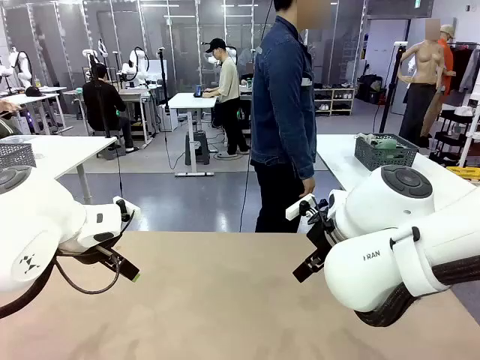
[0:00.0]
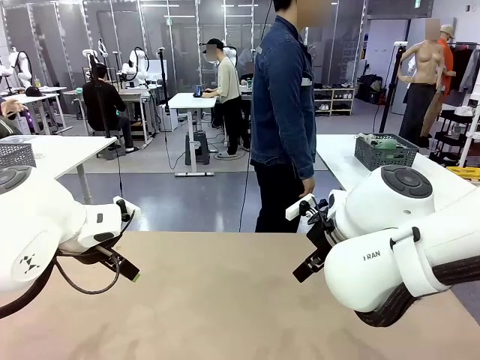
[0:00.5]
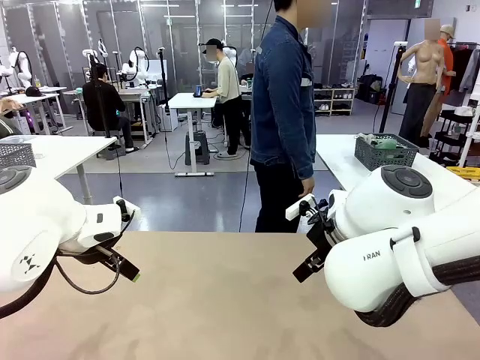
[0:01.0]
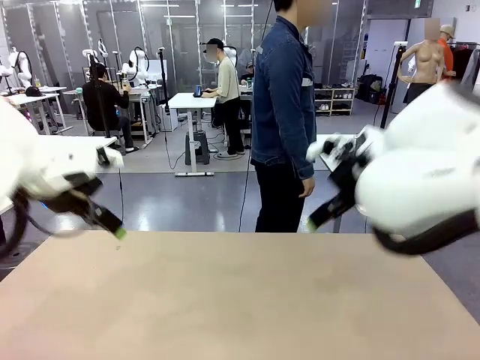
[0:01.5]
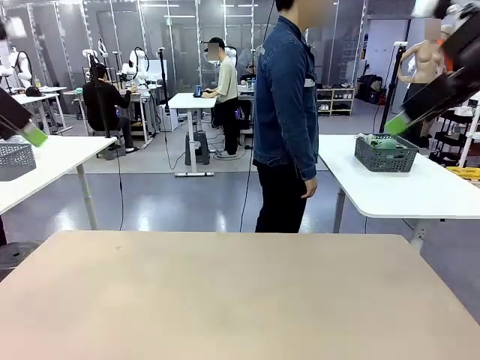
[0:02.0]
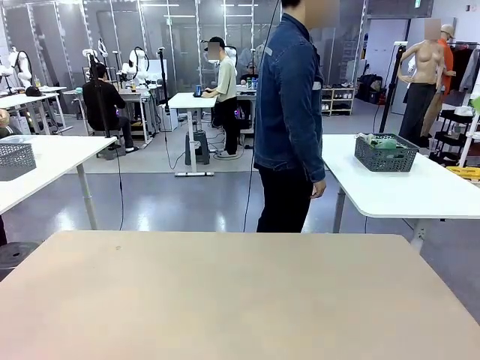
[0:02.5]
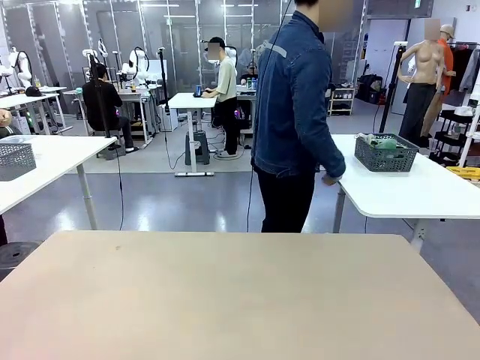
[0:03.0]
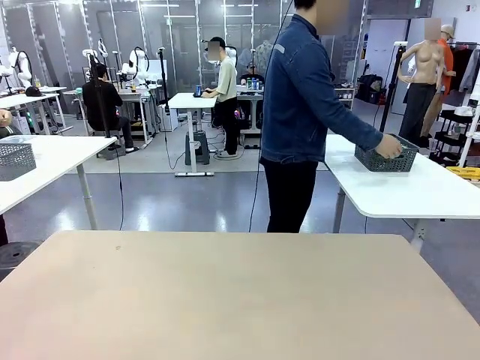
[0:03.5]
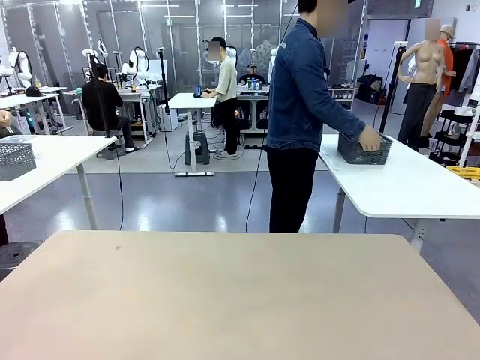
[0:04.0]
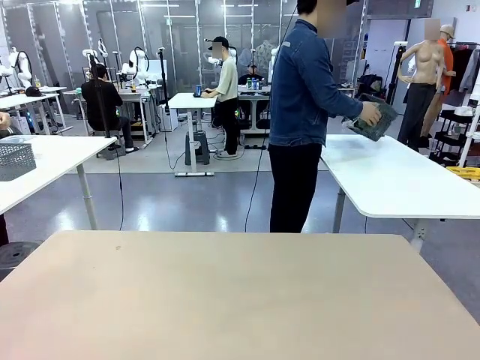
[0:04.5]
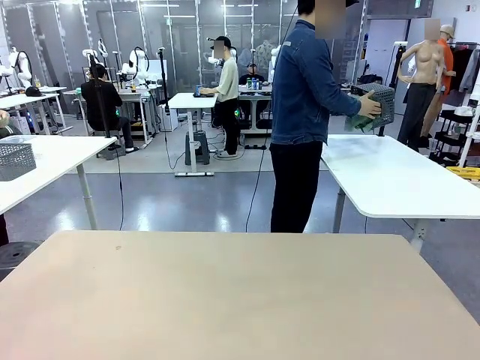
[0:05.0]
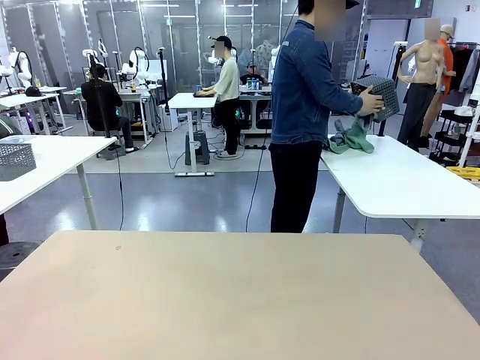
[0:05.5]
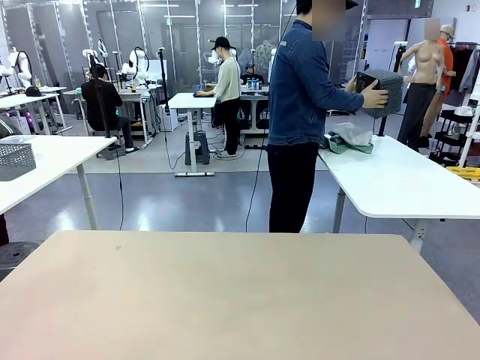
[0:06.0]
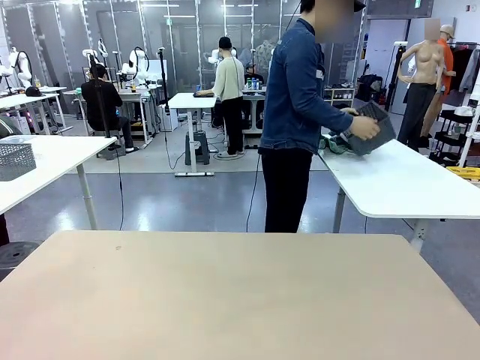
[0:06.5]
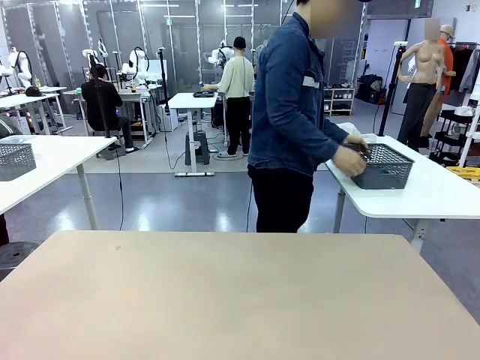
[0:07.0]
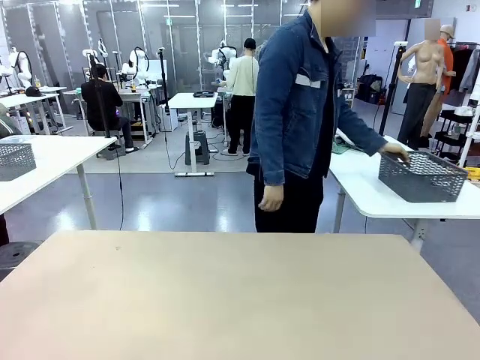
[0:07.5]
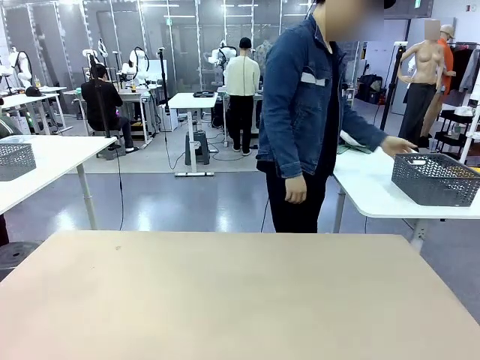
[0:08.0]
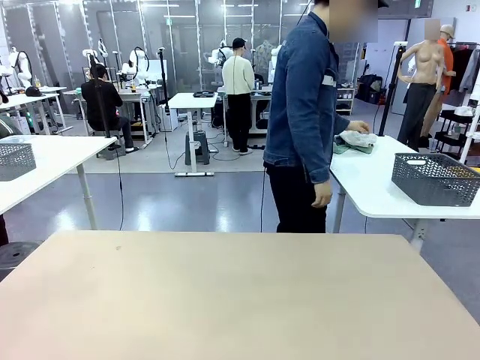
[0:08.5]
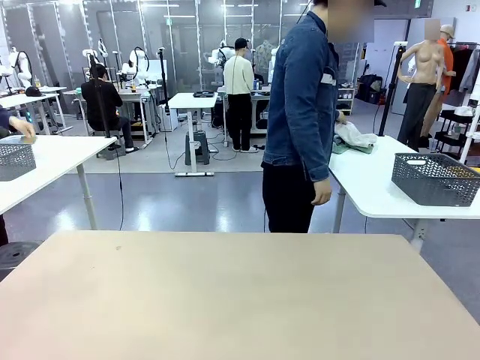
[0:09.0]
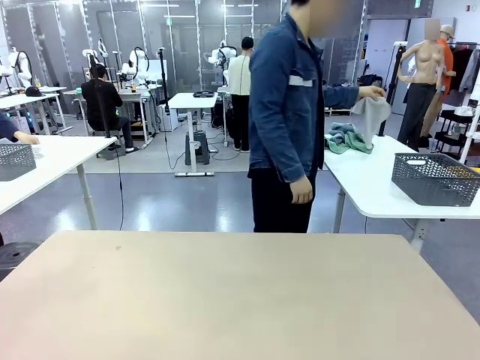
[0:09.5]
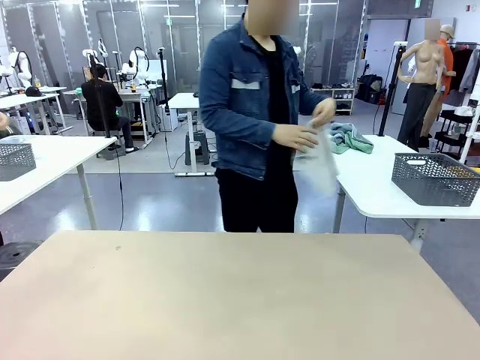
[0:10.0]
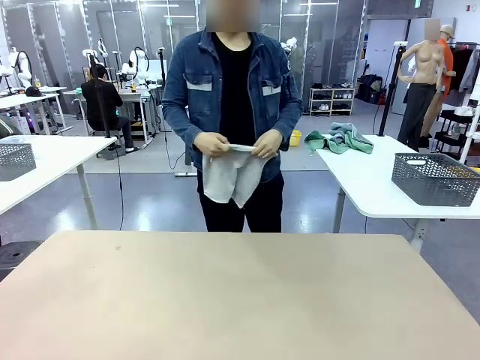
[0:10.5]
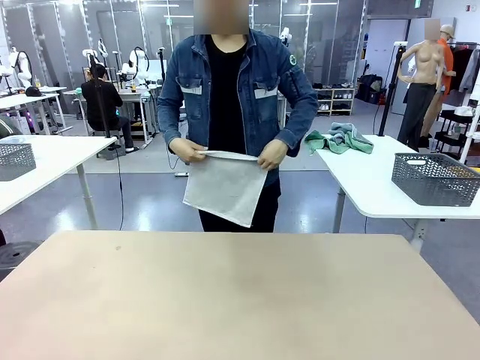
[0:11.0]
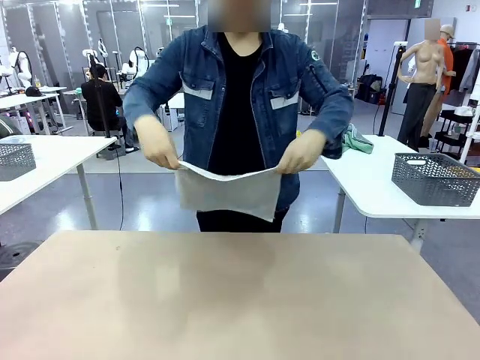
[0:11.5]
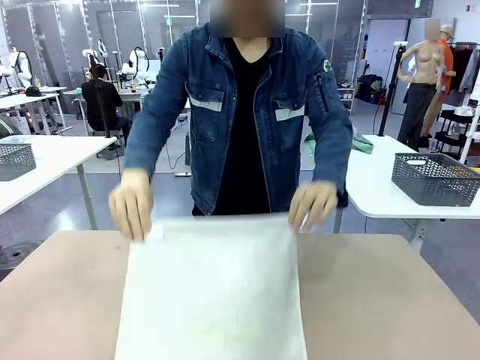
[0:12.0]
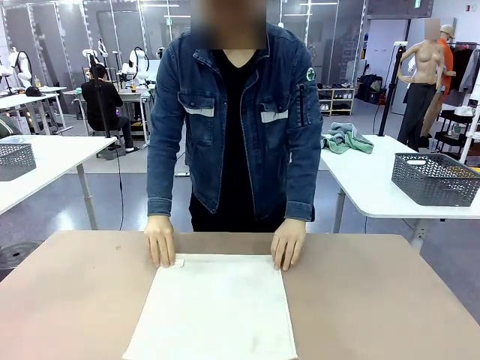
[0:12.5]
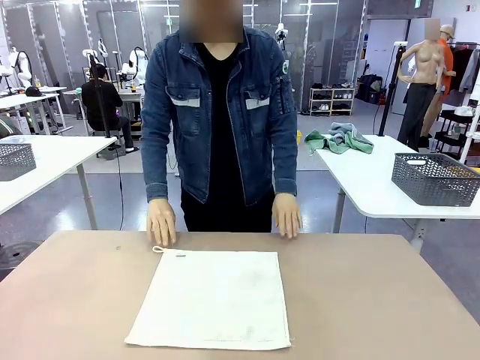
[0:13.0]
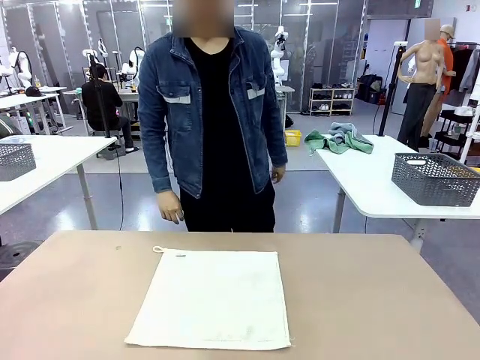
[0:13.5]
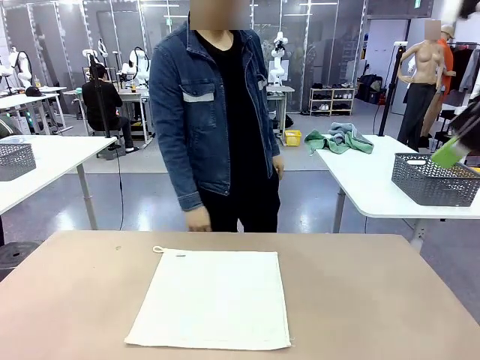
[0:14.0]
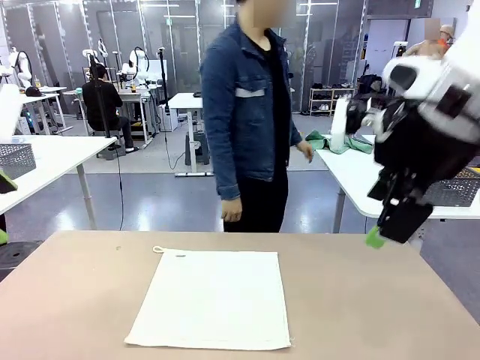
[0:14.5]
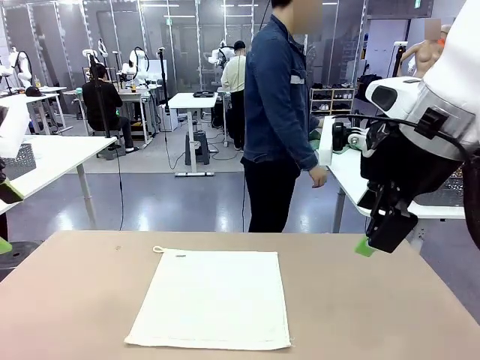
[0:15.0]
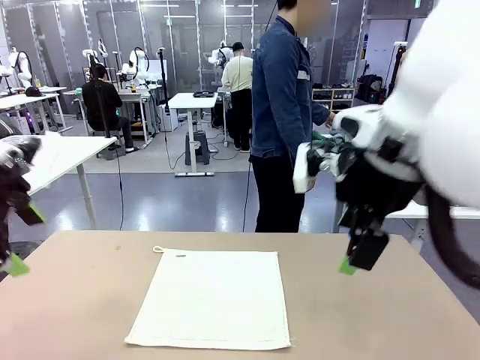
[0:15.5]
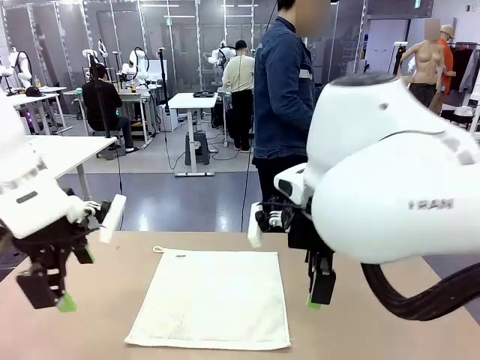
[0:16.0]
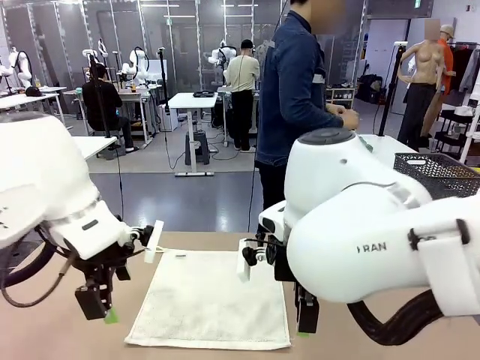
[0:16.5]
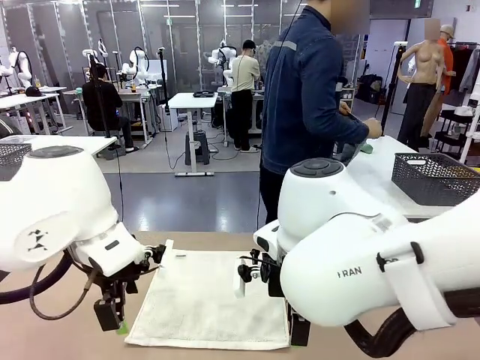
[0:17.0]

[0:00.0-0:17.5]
Task: Fold the towels and place them in the basket.
Robot: When a person lays out a Towel with hook on the table, fold it in half twice.
Person: Pick up the basket, pour the towels onto the left side of the human table, and place the basket on the right side. Pick up one towel and spread it out at the center of the robot table.
